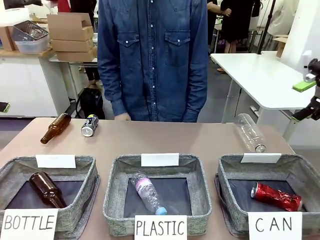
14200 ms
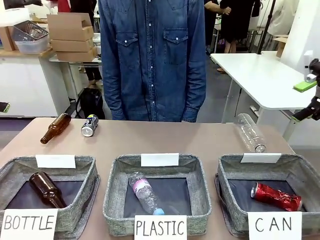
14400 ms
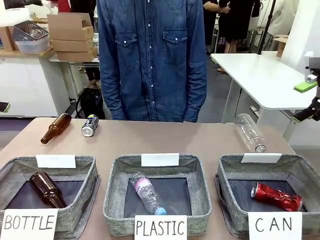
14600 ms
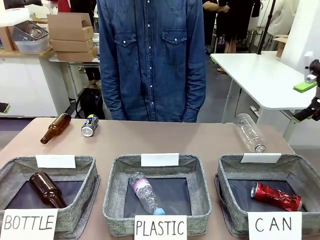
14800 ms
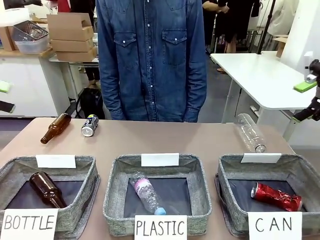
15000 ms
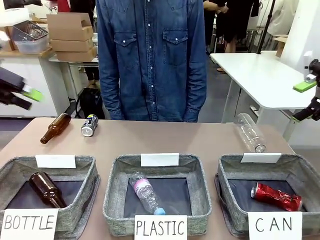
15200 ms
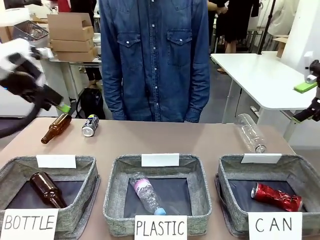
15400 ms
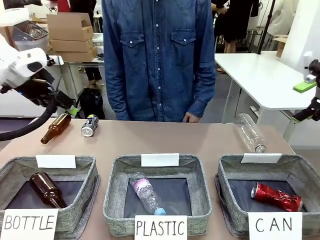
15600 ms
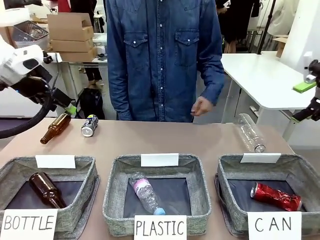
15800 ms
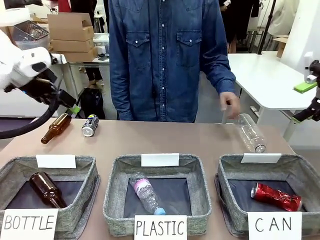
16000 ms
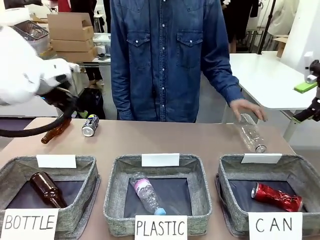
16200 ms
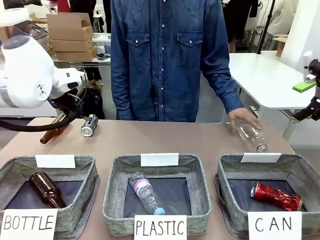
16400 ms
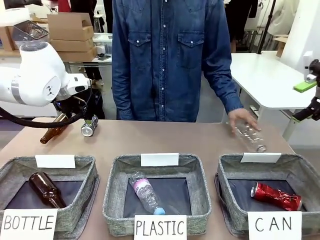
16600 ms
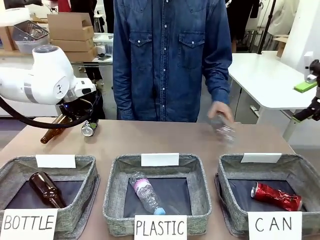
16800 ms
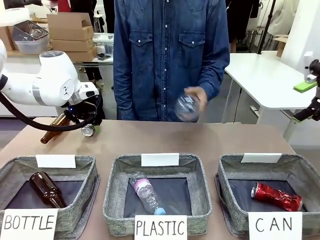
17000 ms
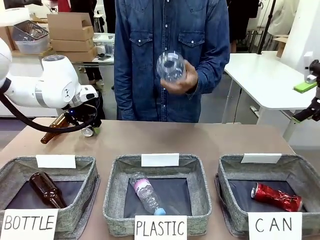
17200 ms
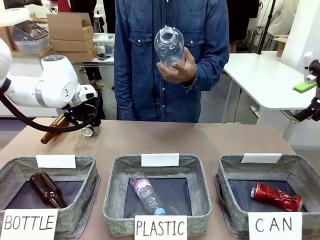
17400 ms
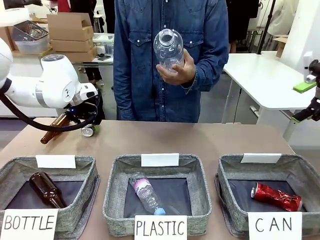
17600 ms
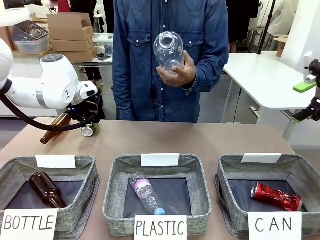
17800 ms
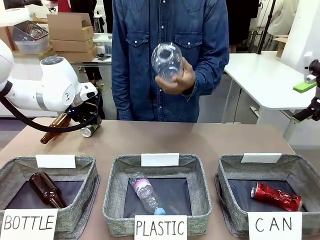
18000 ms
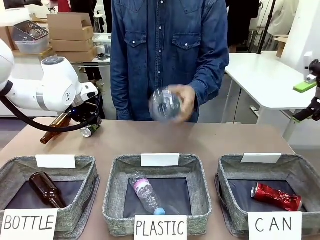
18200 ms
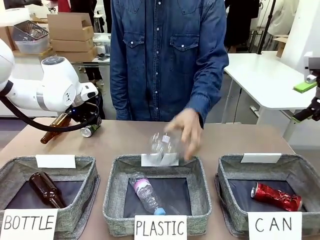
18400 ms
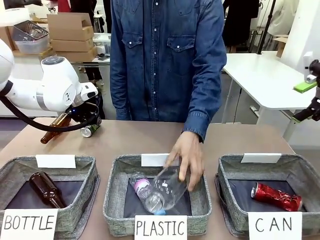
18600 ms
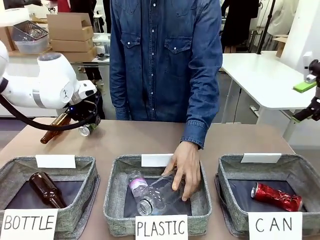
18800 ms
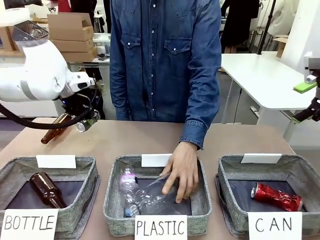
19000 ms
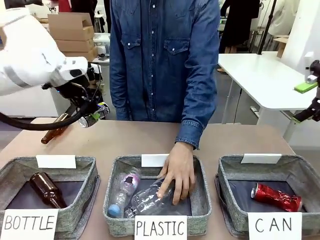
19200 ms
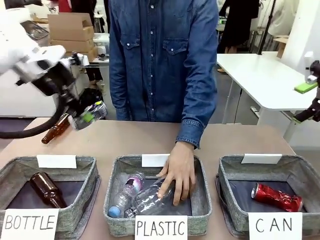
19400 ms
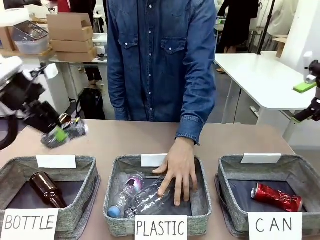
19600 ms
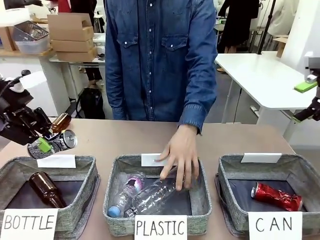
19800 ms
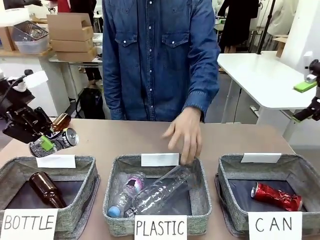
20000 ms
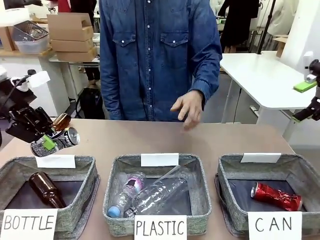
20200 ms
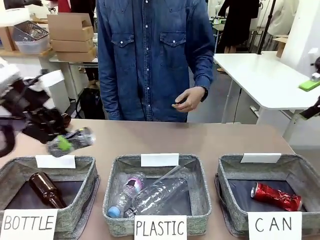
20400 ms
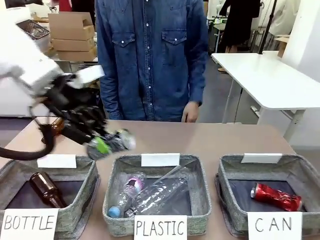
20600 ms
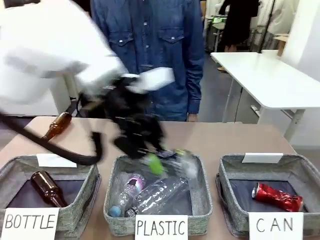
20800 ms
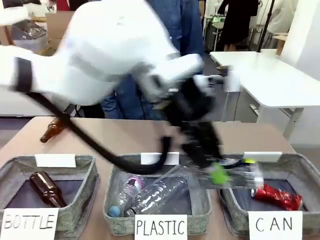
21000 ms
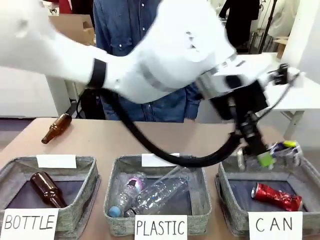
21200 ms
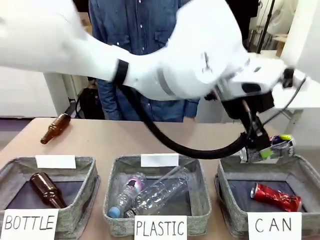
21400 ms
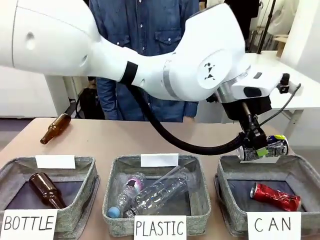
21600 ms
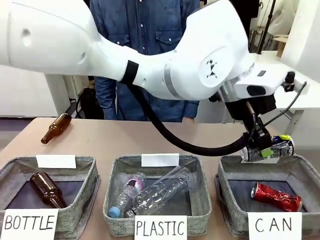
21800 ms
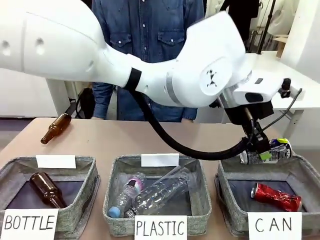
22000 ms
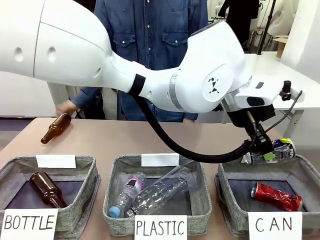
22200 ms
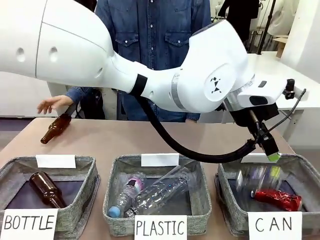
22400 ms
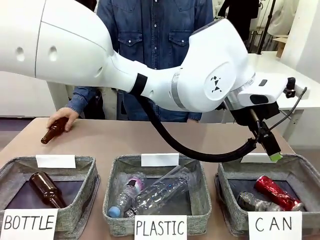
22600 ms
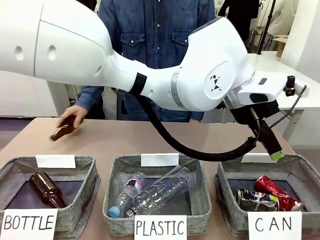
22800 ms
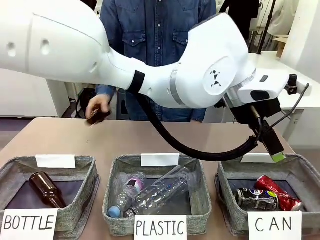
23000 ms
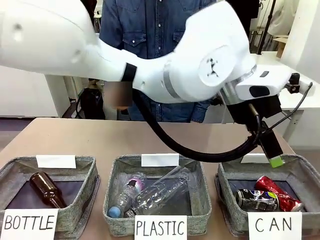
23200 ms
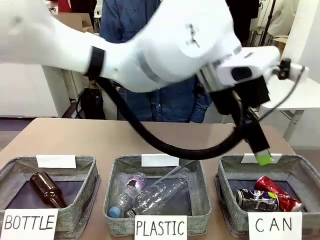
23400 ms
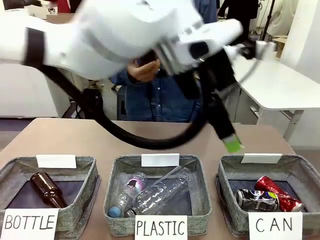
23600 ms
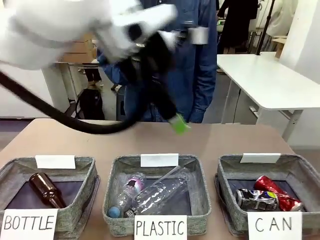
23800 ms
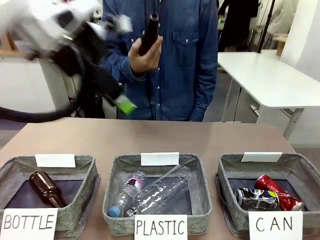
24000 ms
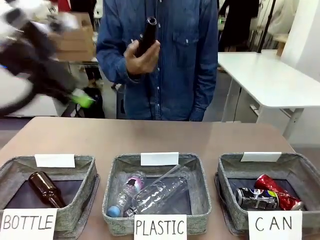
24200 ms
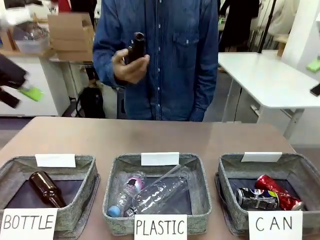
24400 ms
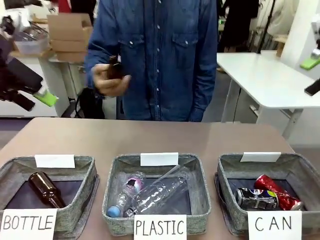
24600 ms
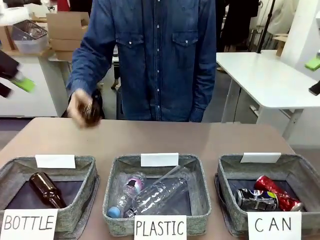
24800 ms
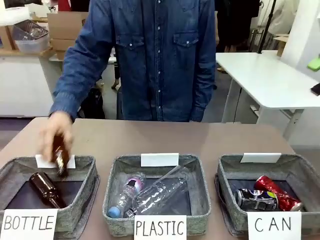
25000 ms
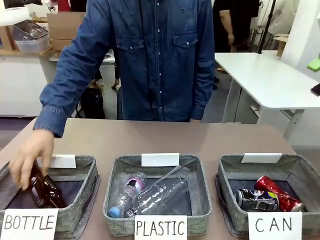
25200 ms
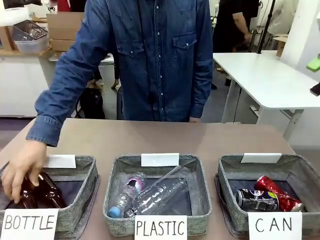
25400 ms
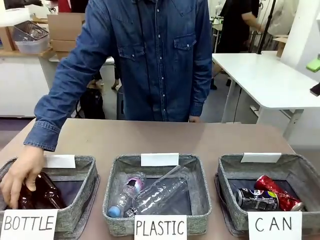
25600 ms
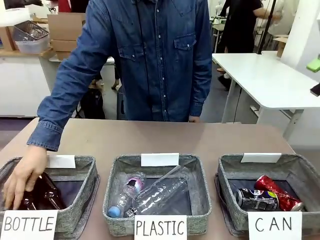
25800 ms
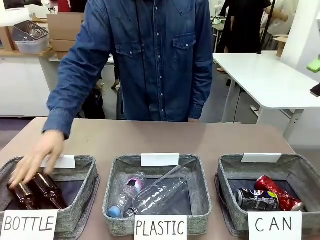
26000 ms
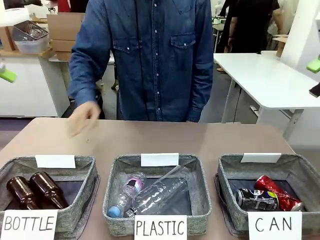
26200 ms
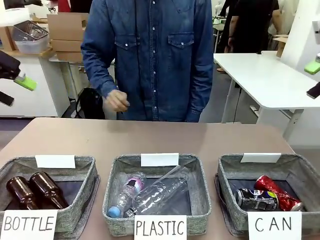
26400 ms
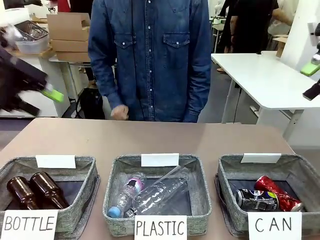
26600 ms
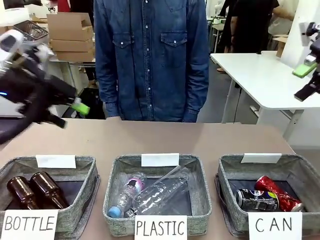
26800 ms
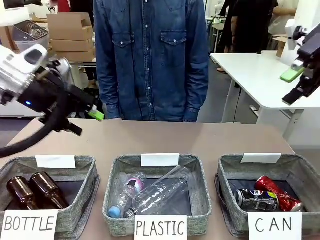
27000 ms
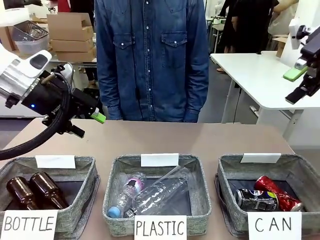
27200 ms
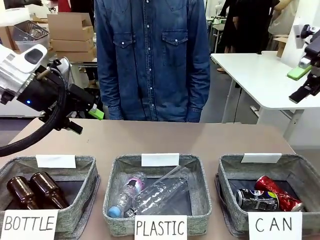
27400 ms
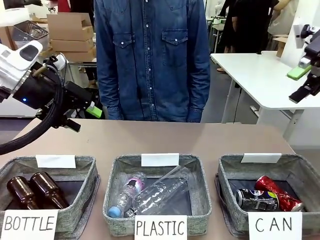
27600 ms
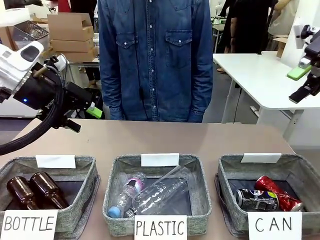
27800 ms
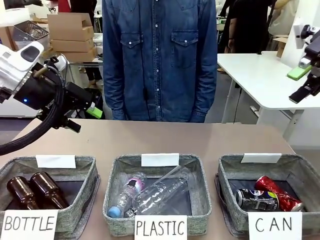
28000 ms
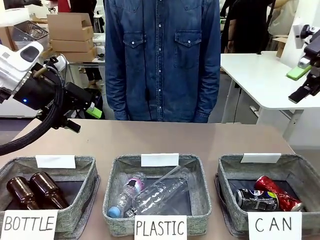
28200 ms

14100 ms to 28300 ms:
Task: Sort the can waste into the basket.
Robot: Pick up the can waste from the table and place it in the right Fabric basket.
Person: The human picks up one piece of trash that is not a can and places the trash into the appropriate organizing basket.
